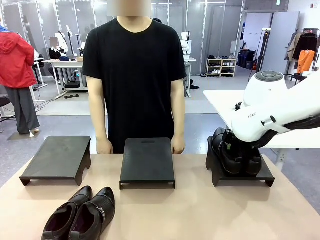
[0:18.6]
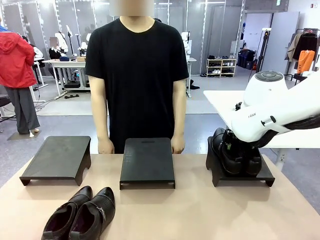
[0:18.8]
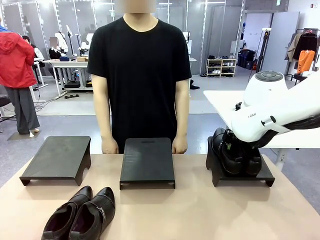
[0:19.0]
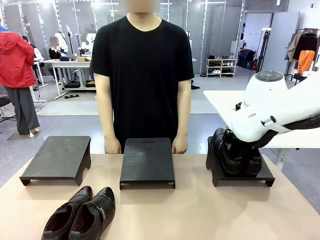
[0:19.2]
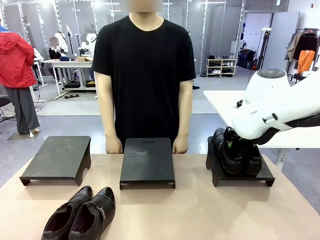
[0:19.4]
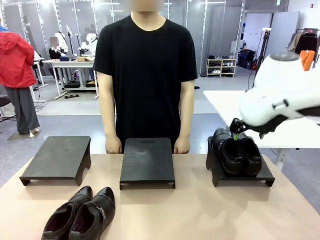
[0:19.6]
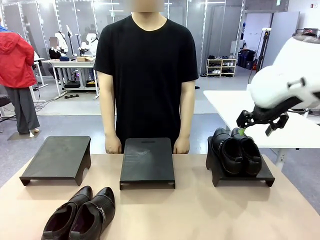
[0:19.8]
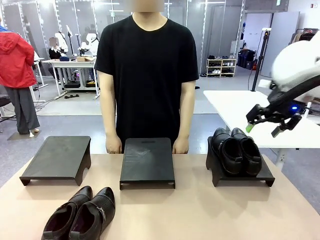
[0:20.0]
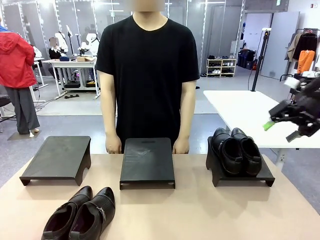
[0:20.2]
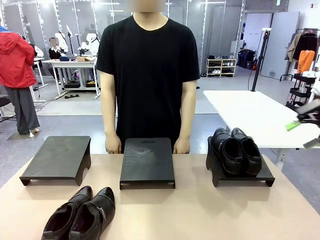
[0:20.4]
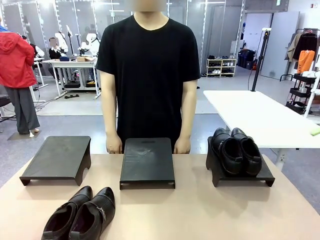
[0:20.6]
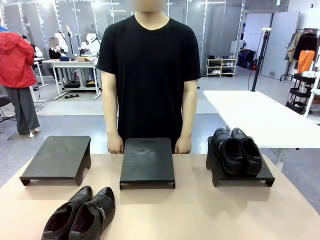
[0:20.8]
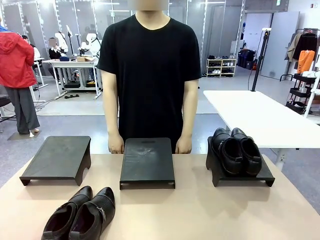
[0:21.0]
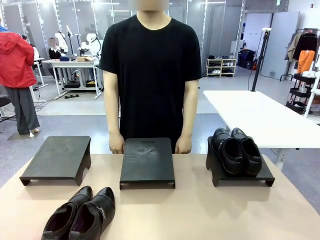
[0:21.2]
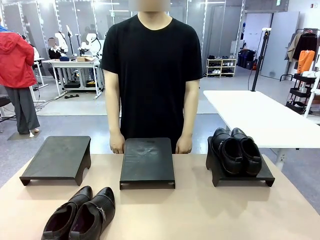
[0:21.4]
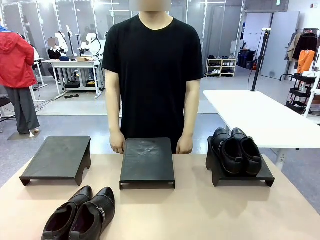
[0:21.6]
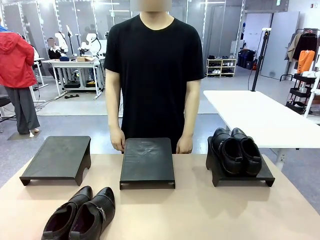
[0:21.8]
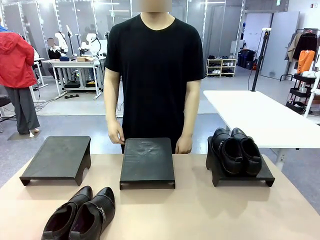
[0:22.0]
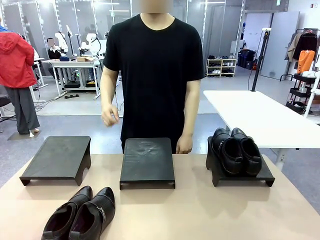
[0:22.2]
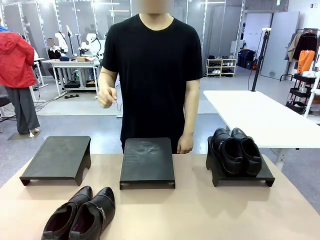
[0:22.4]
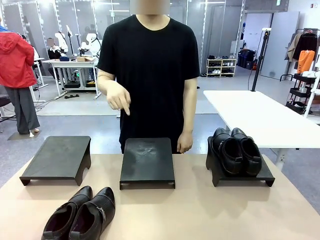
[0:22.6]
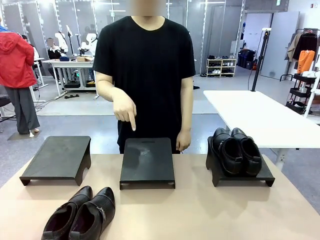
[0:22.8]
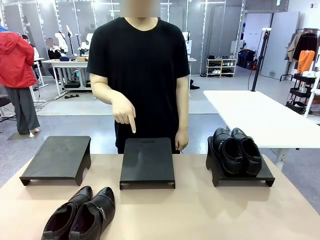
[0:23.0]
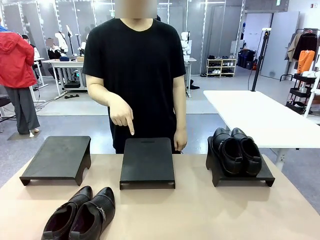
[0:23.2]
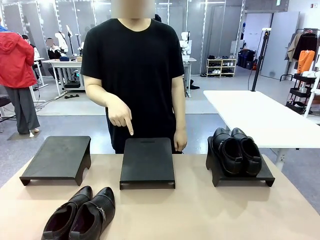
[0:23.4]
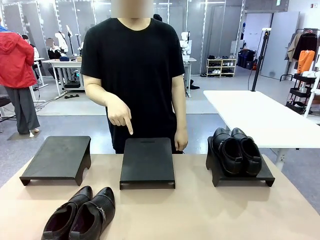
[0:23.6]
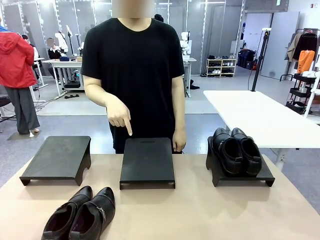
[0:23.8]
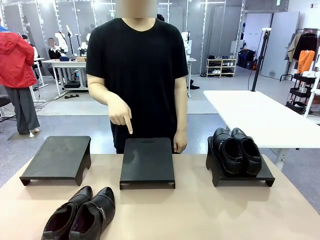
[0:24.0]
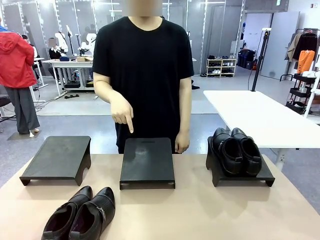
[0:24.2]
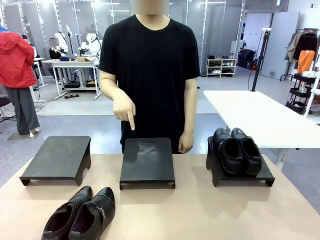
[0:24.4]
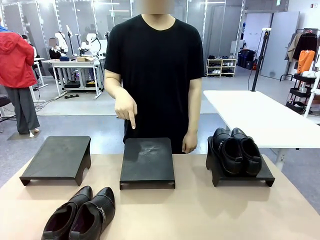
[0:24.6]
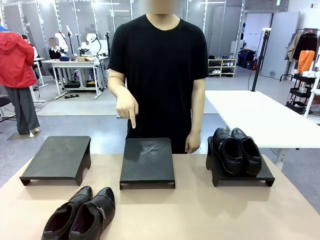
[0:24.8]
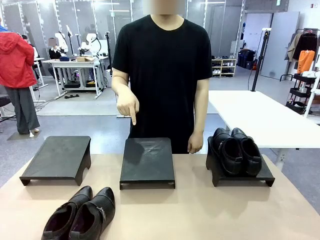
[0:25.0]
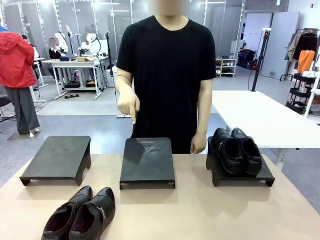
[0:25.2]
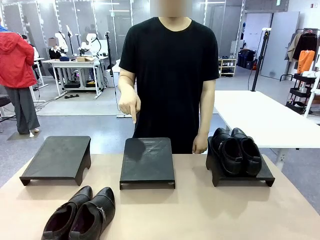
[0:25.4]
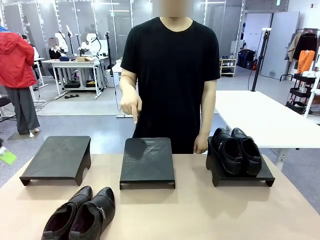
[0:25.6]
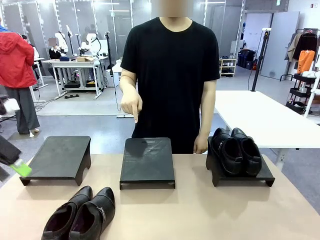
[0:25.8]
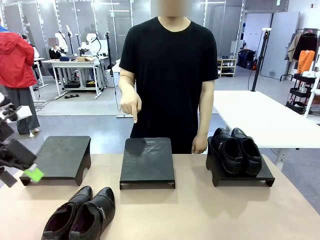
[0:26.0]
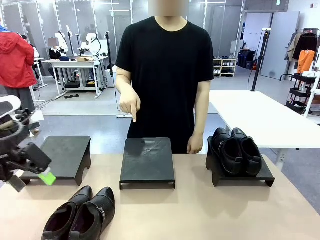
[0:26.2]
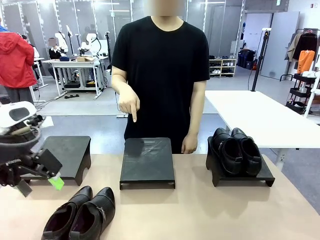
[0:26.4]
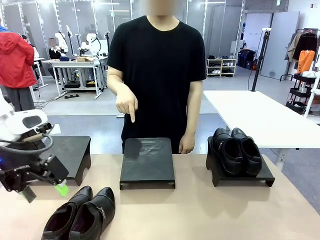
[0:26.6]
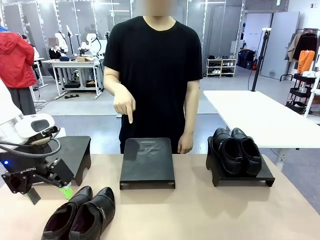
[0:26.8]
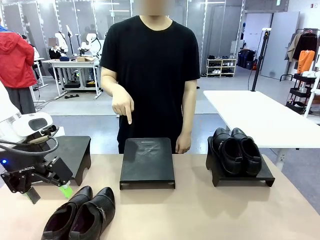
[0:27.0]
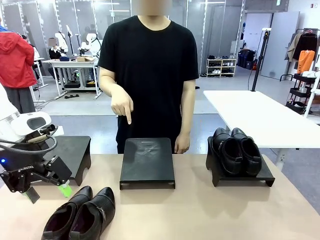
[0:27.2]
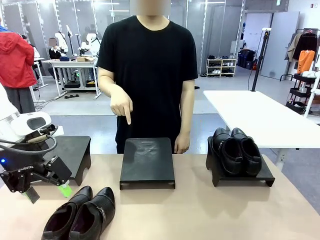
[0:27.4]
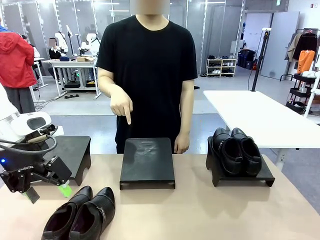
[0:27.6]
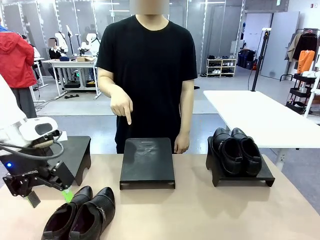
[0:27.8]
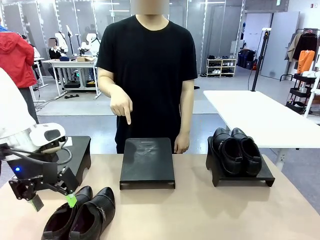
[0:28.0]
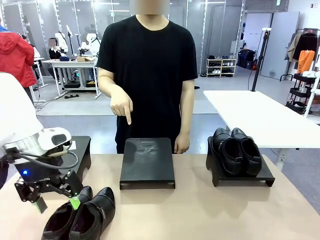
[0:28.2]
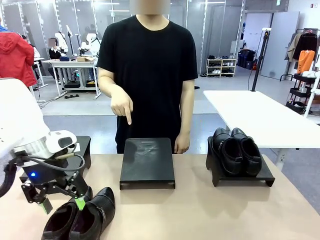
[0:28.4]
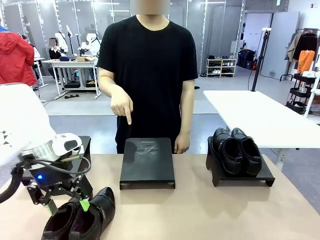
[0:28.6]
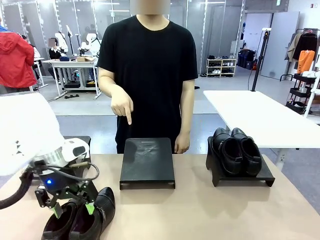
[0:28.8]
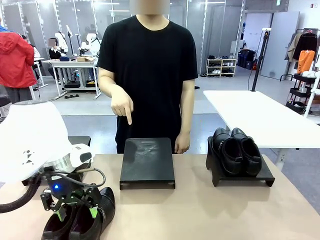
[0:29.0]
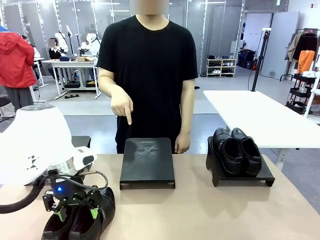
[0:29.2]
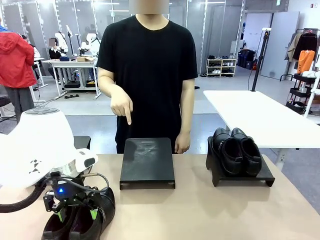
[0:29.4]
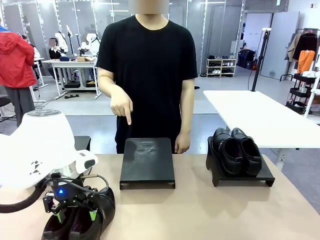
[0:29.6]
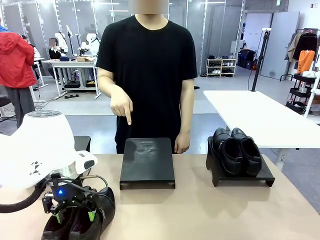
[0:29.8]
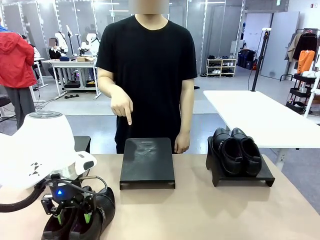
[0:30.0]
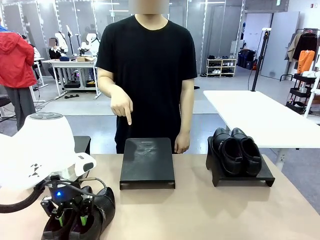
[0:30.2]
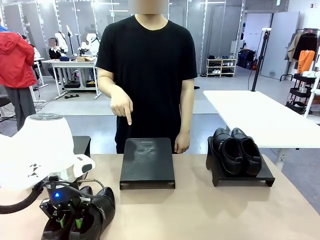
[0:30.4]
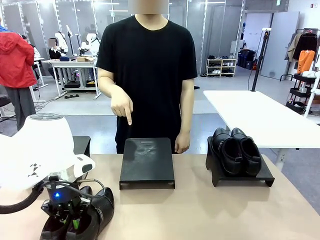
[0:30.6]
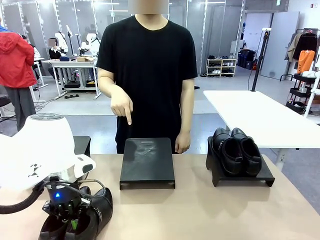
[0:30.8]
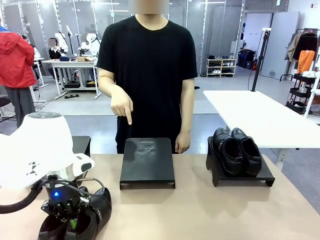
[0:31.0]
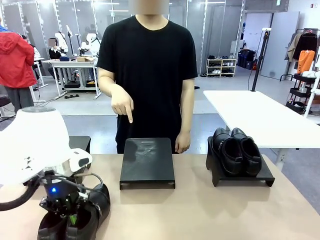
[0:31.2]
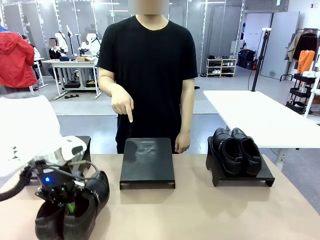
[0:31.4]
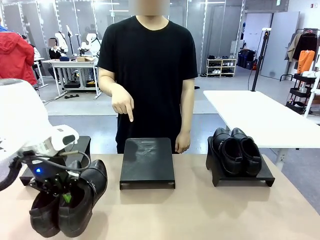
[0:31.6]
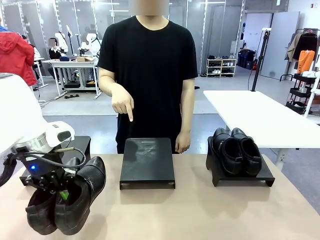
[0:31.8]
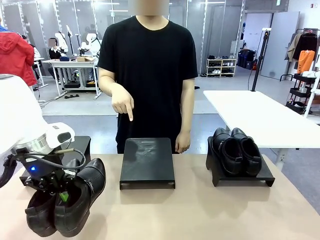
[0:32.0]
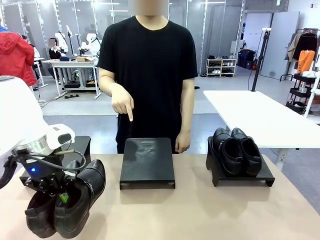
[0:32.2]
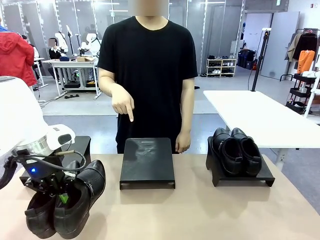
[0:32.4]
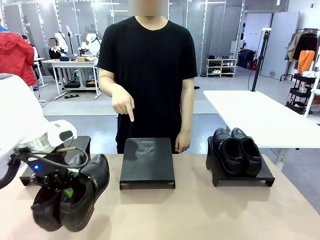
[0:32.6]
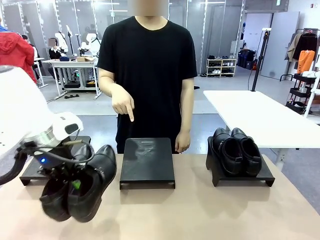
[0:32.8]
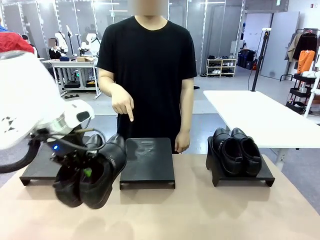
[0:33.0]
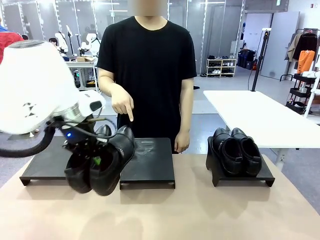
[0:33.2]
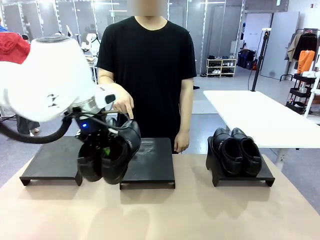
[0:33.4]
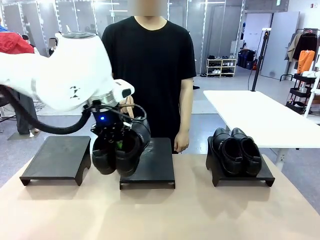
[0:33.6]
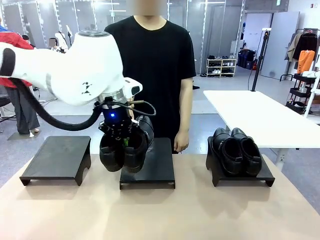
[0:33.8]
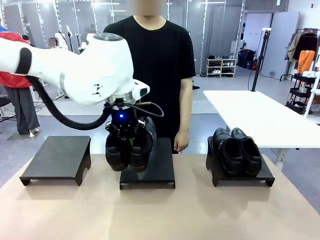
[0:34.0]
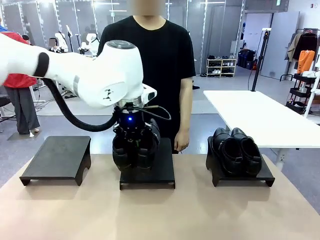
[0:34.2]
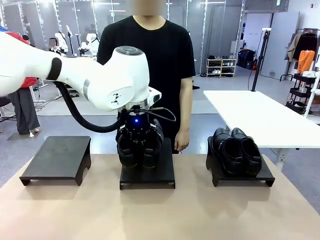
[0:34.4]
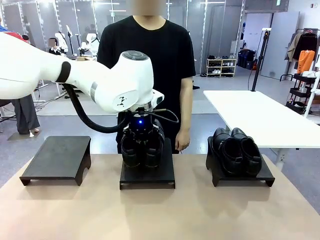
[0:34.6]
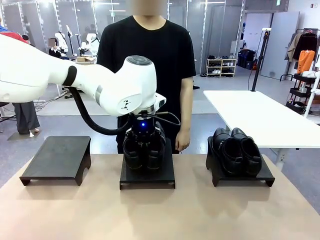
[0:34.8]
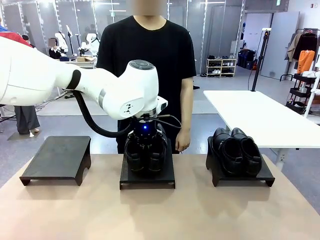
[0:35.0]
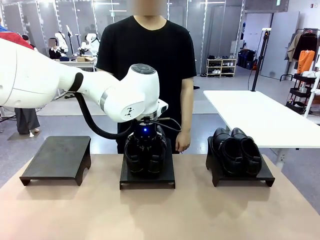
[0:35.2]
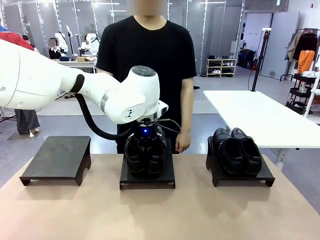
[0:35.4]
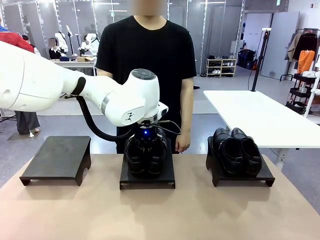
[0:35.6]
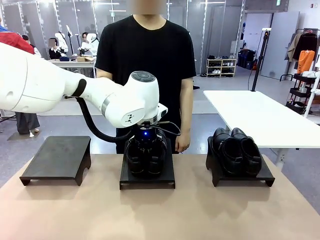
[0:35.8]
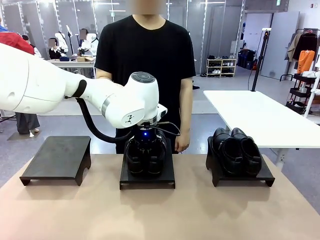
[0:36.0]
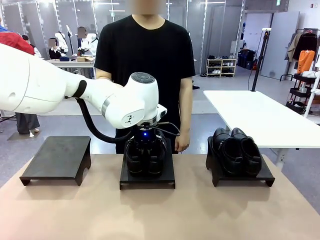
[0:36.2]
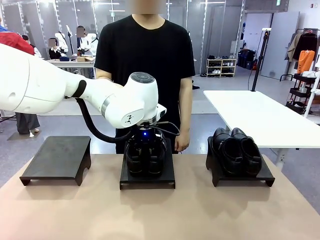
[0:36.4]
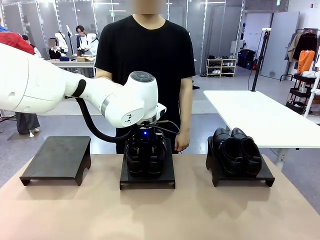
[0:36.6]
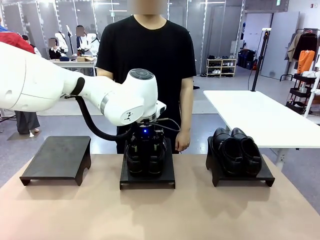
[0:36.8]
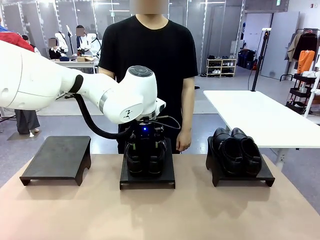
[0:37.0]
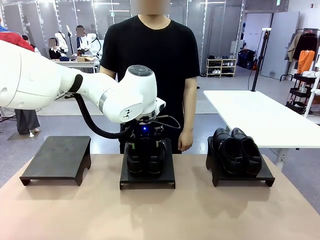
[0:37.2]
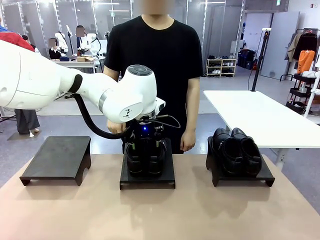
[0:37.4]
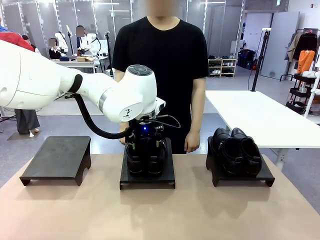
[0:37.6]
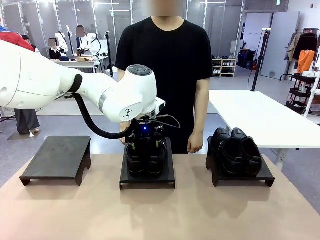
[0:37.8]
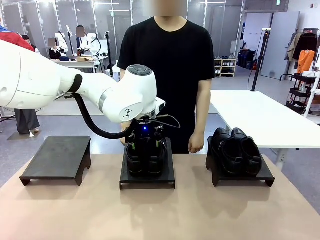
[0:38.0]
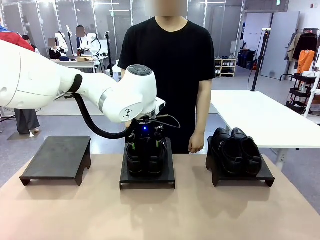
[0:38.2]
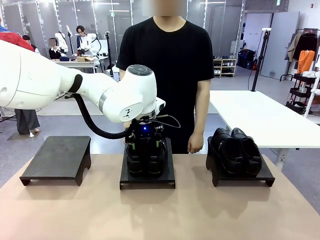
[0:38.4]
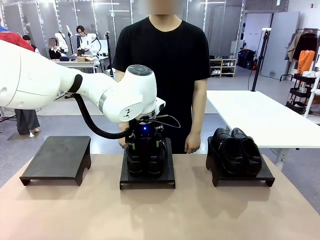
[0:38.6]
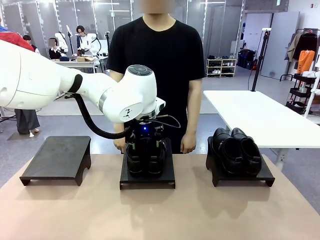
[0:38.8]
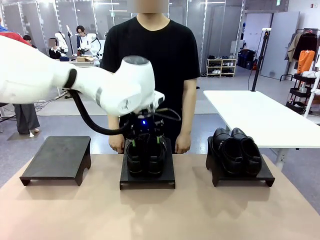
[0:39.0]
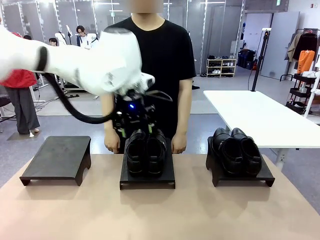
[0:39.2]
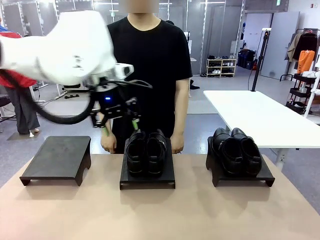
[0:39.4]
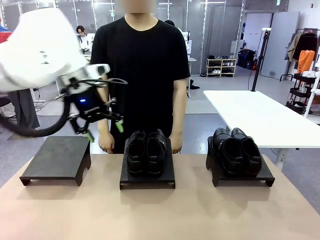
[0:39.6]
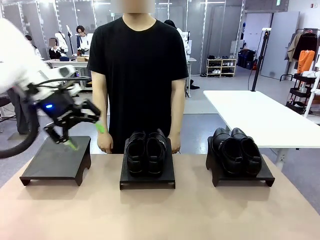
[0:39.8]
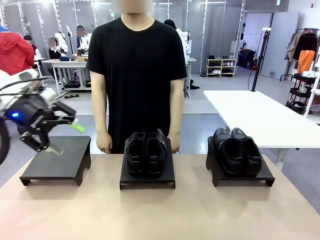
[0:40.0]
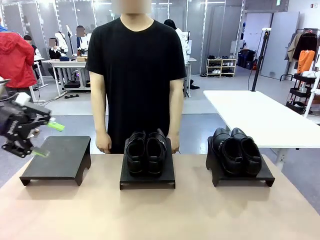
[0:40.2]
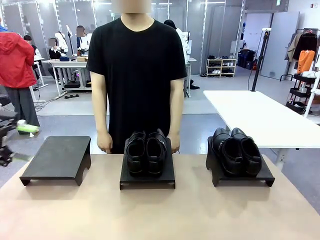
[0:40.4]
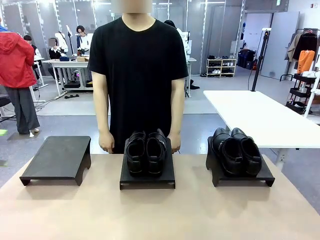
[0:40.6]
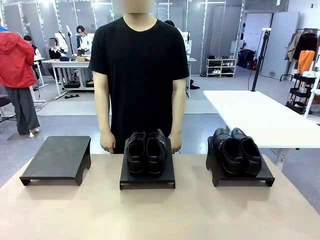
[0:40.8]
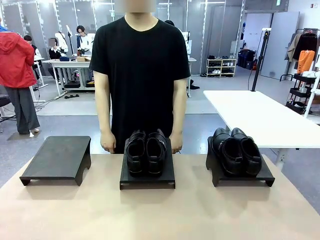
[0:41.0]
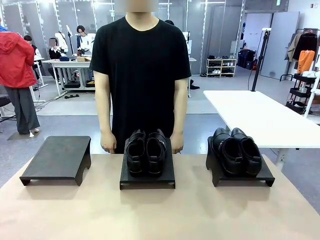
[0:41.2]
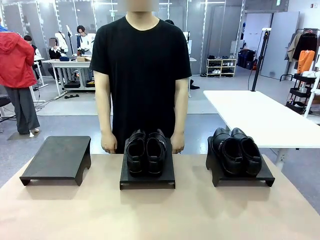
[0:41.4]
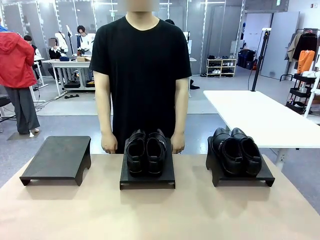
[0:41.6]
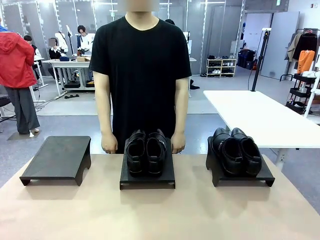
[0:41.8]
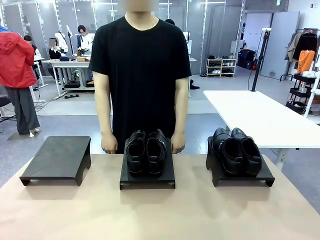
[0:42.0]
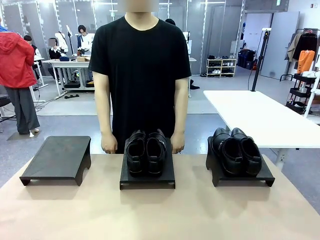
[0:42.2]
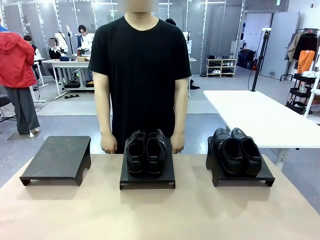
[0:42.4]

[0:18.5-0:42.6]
Task: Place the shoes on the stand as instructed by the person.
Robot: Pick up another pair of Shoes and place it on the Shoes Stand indicated by the person.
Person: Point to one Shoes Stand.
